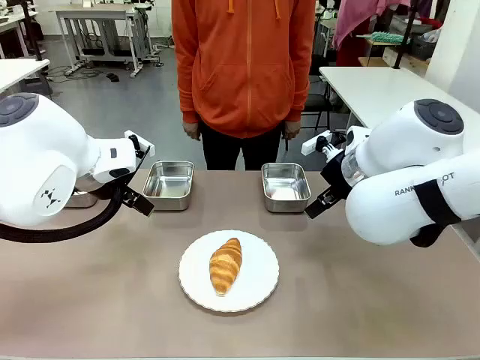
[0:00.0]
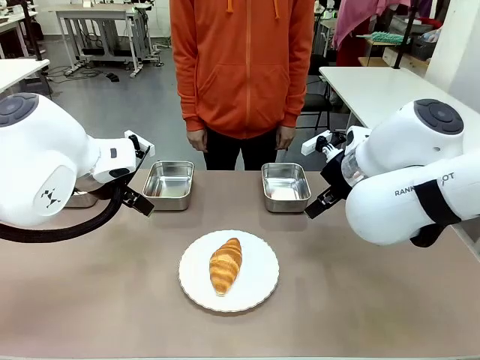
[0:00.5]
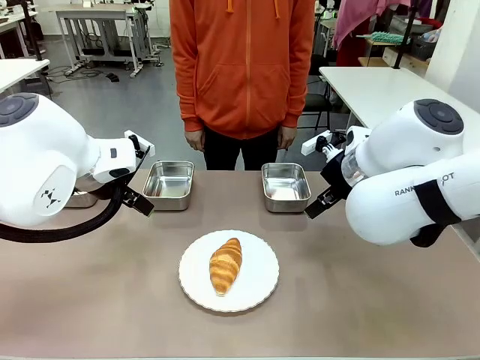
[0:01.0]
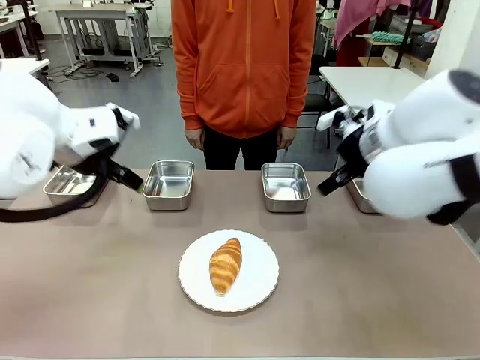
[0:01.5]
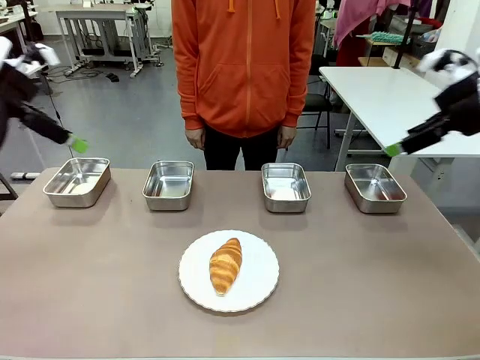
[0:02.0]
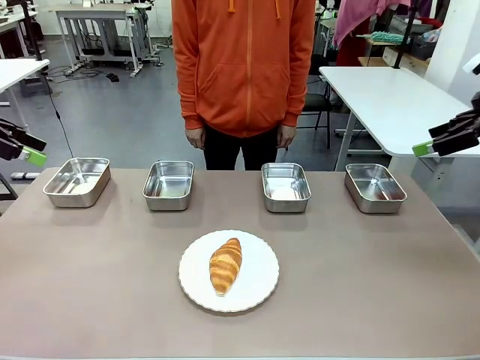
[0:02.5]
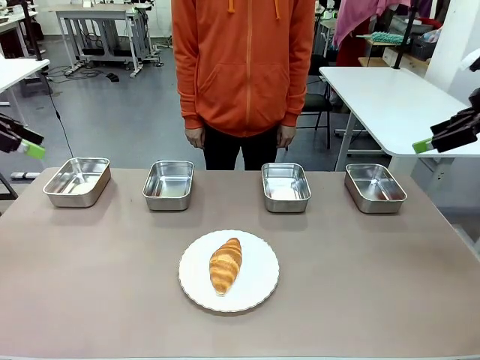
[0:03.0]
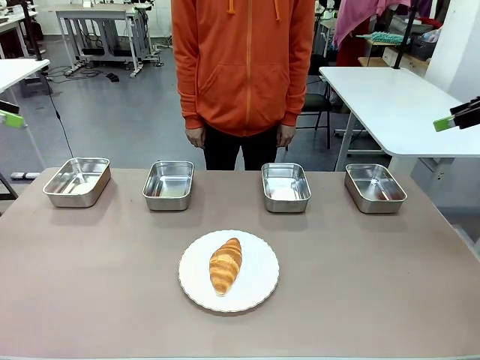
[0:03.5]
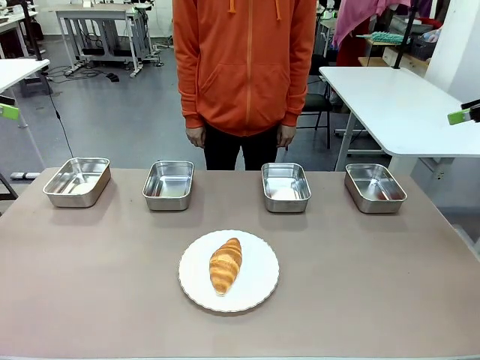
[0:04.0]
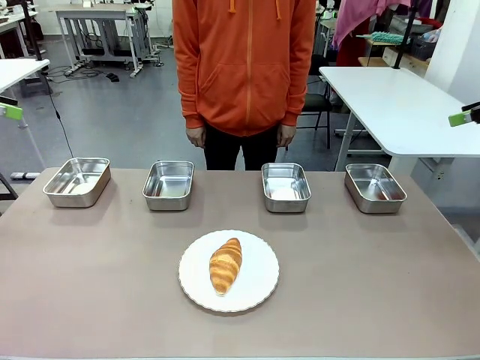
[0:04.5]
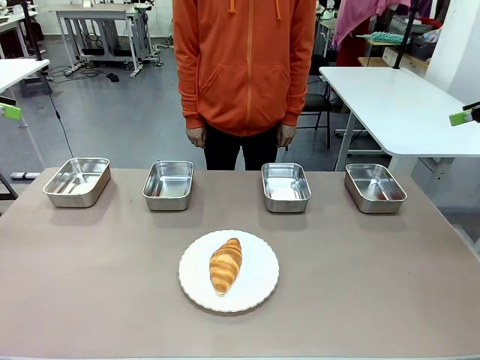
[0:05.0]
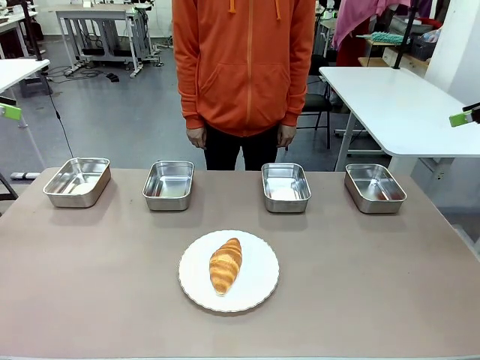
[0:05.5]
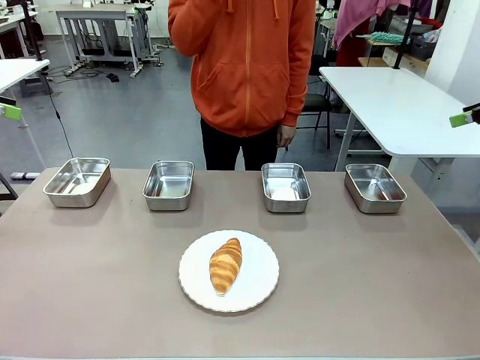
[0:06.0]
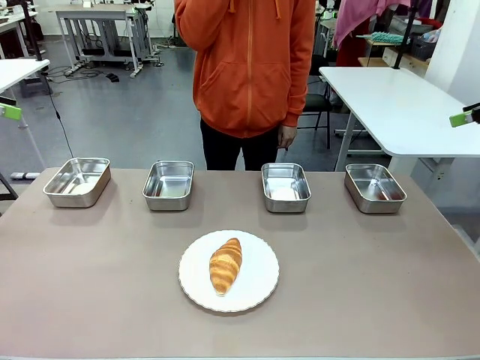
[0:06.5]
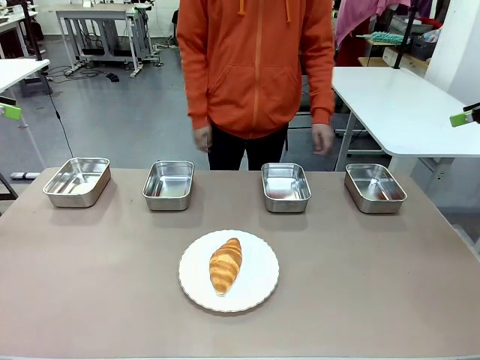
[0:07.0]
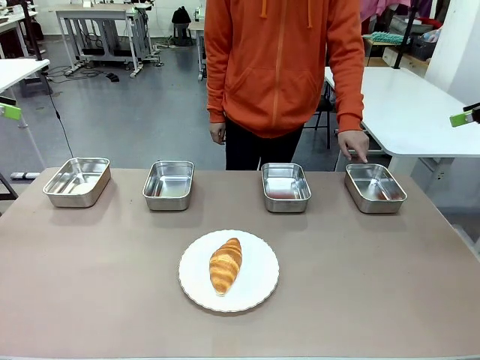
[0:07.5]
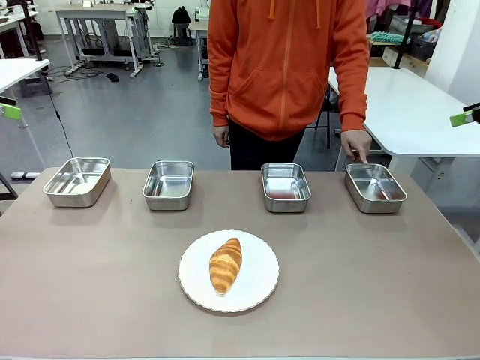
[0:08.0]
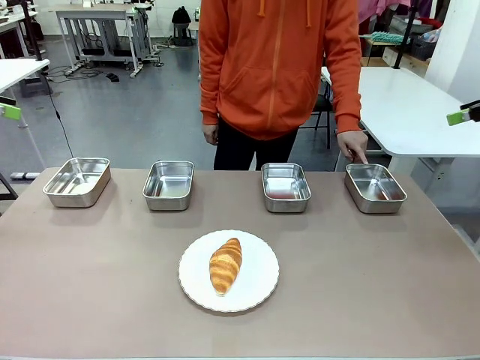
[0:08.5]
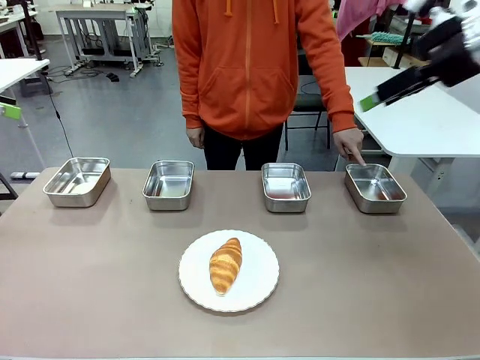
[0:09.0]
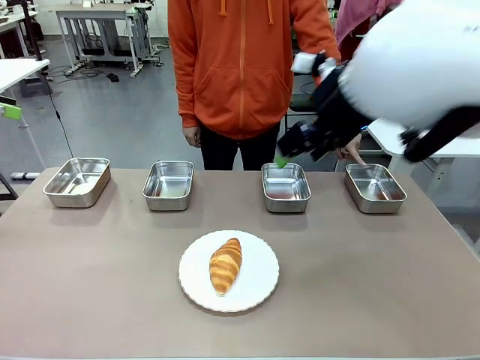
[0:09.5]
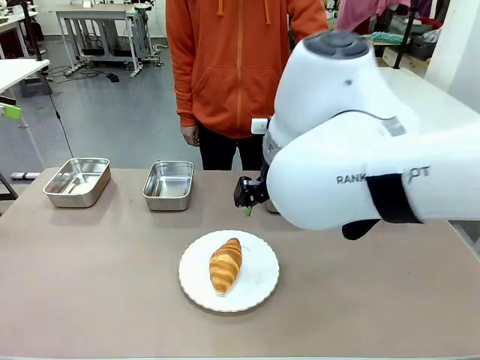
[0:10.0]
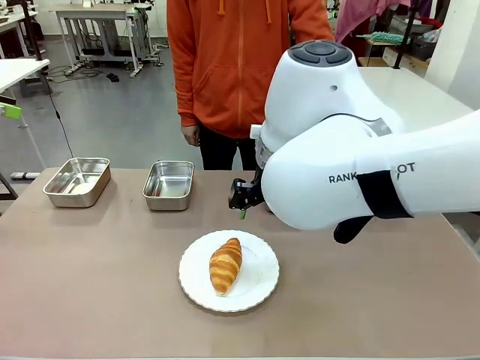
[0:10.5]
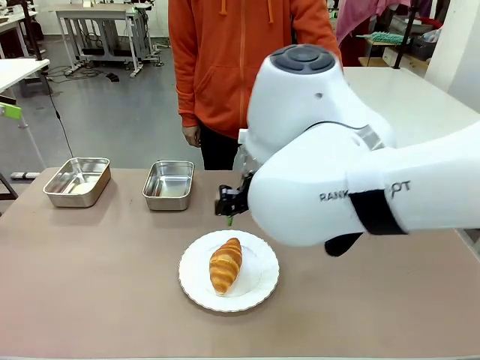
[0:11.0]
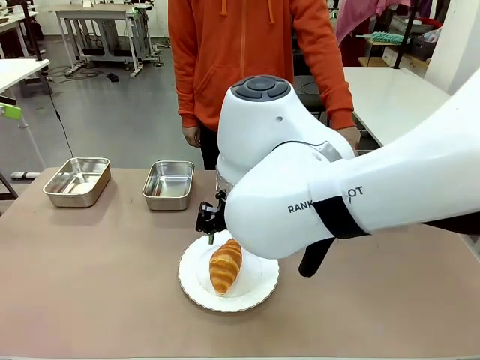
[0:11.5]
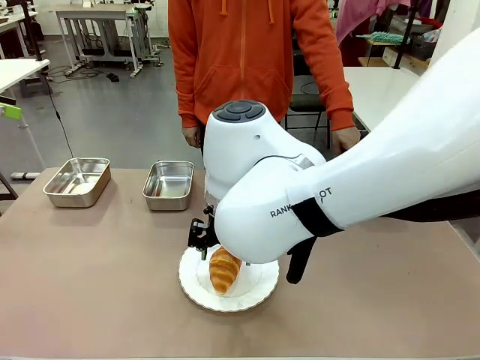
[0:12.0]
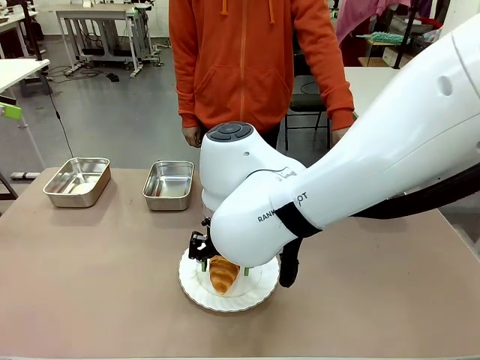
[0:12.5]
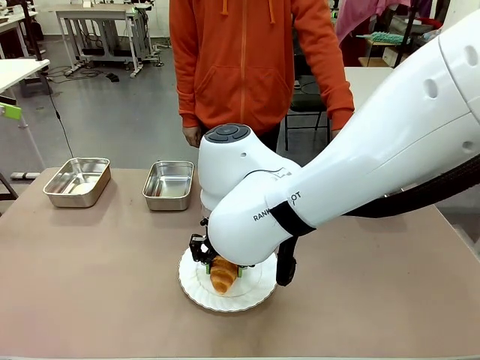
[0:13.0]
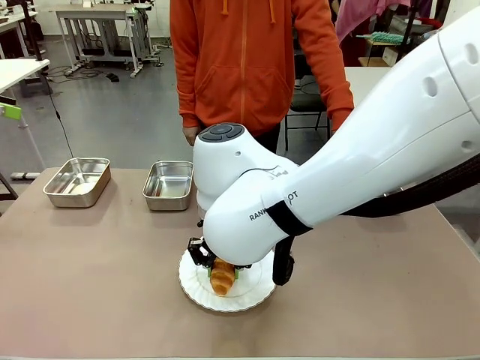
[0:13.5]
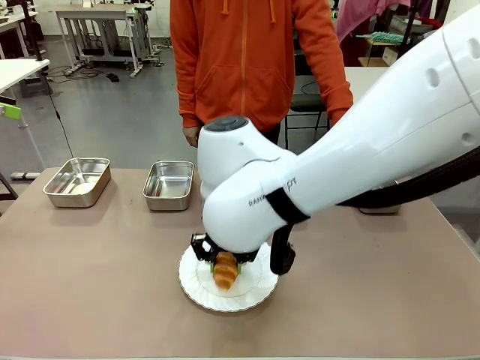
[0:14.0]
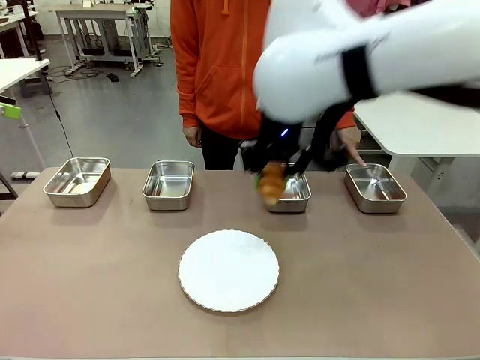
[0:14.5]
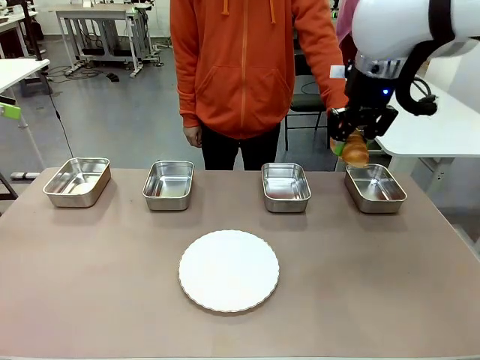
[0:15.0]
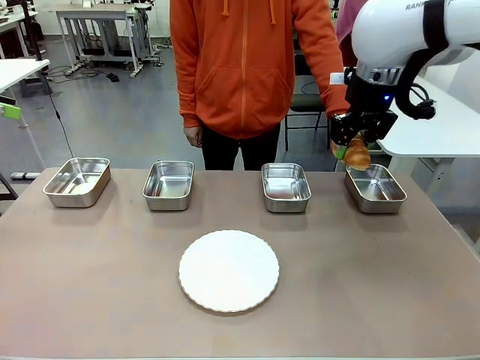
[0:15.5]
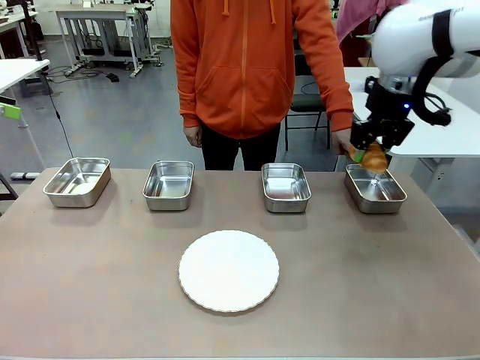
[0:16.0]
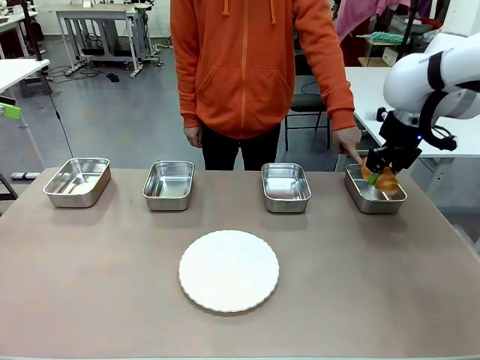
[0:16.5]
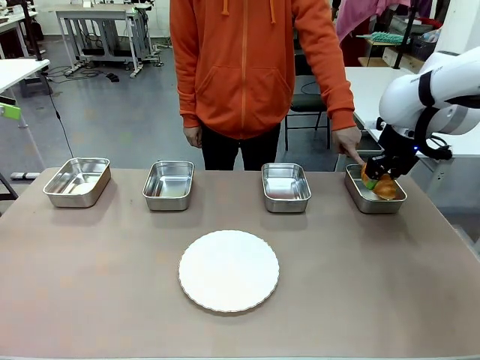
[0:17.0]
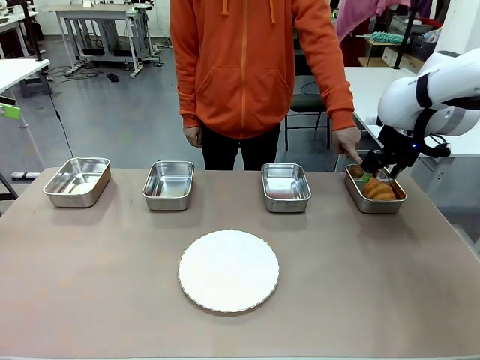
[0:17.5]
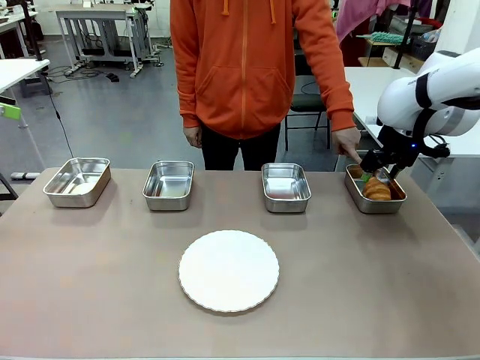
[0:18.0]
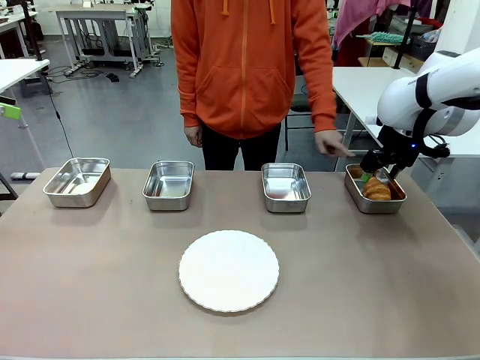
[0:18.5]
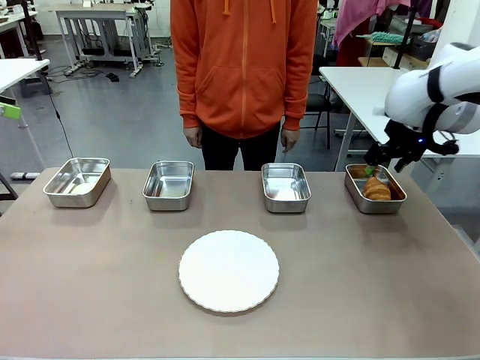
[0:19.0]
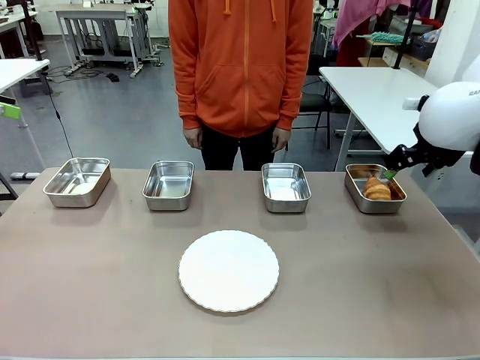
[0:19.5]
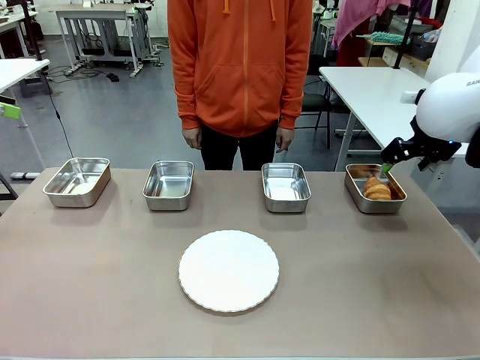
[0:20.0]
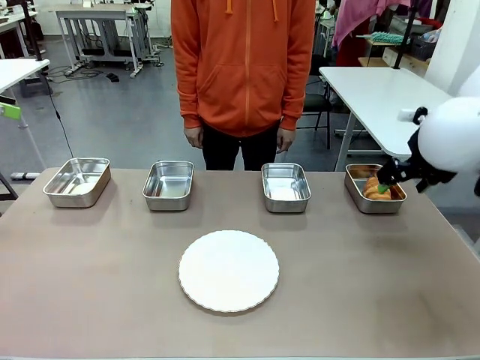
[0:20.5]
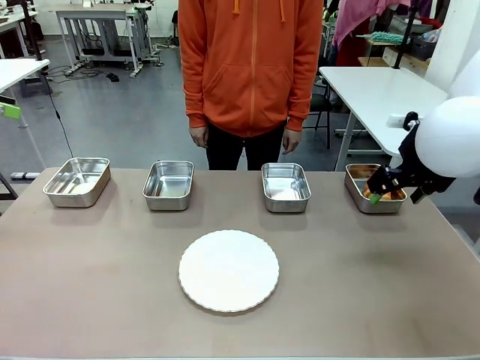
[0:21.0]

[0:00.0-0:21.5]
Task: Place the bread in the container.
Robot: Place the Butter Roll into the Airtight Container indicated by the human.
Person: A person randomly selects and points to an Airtight Container.

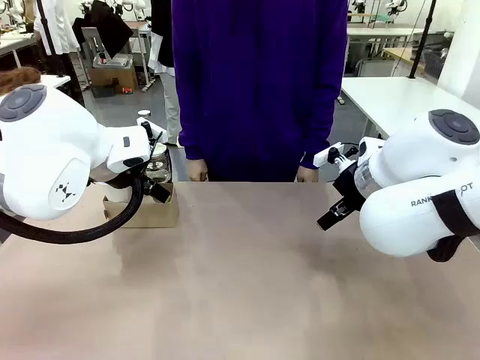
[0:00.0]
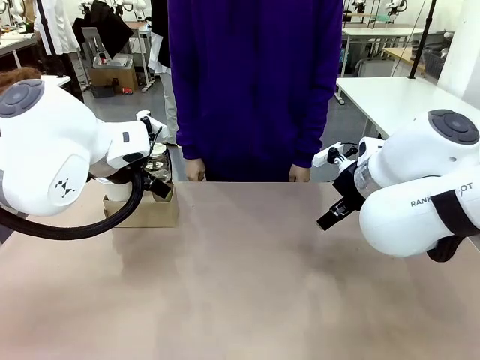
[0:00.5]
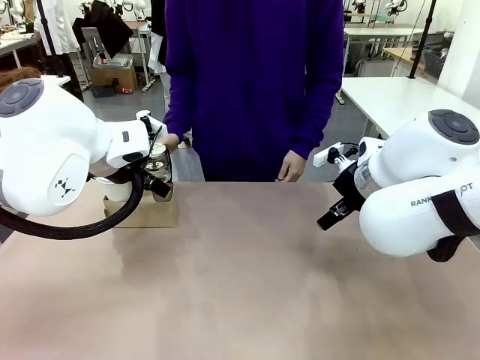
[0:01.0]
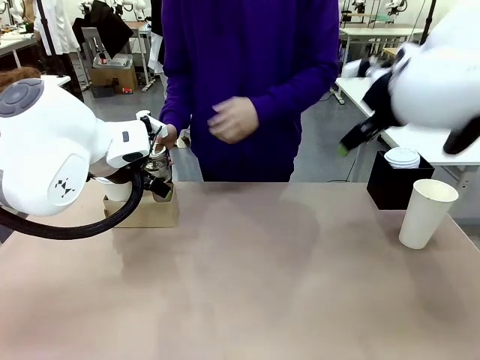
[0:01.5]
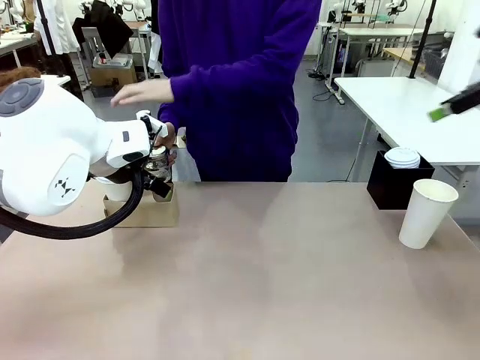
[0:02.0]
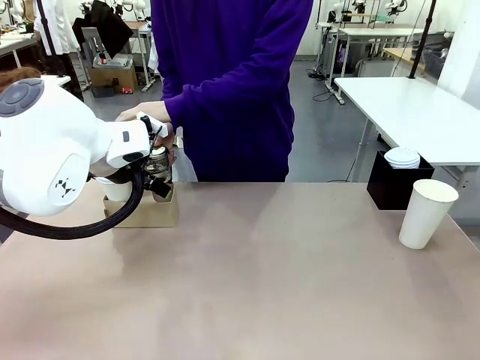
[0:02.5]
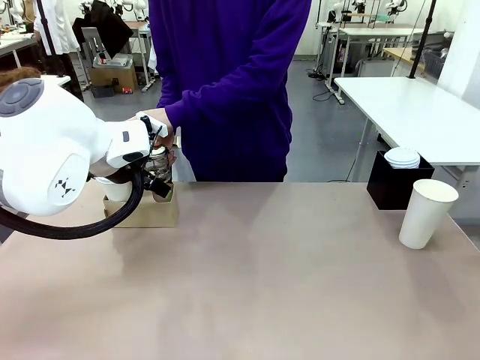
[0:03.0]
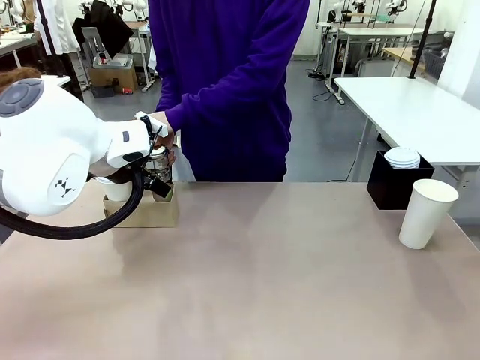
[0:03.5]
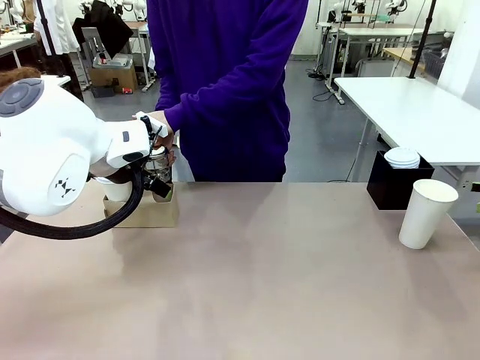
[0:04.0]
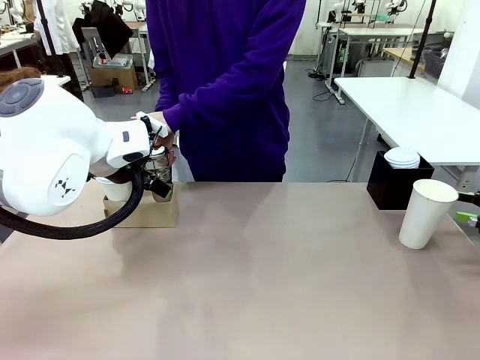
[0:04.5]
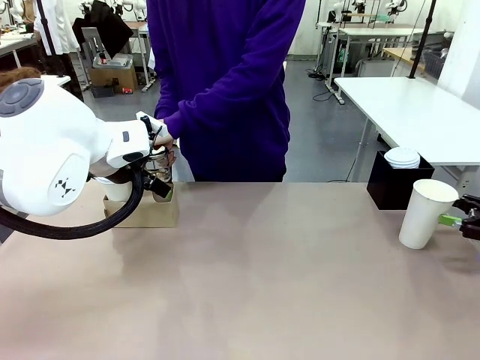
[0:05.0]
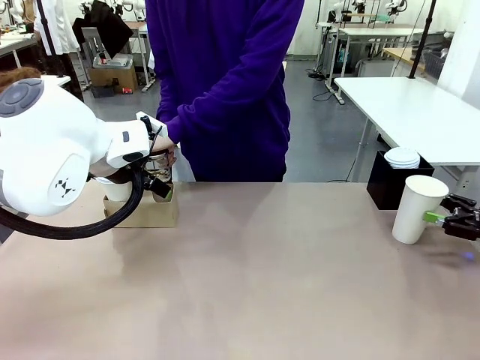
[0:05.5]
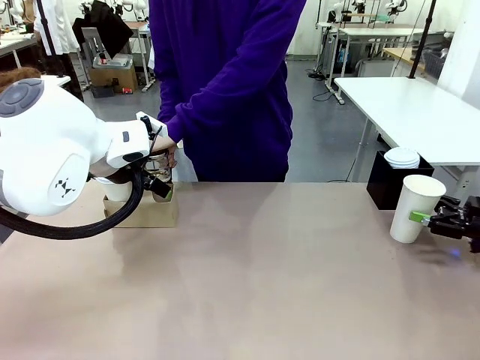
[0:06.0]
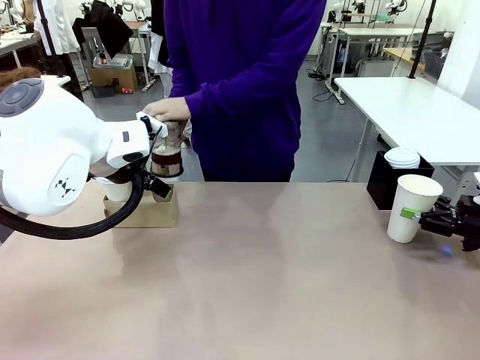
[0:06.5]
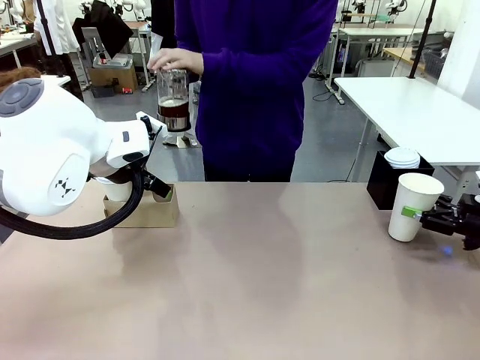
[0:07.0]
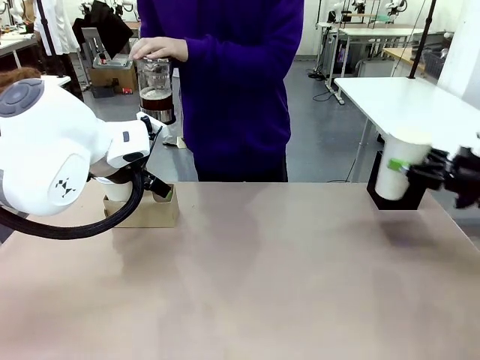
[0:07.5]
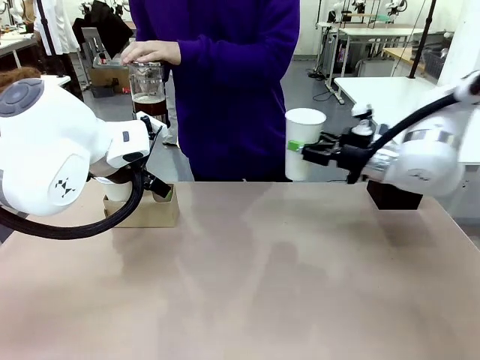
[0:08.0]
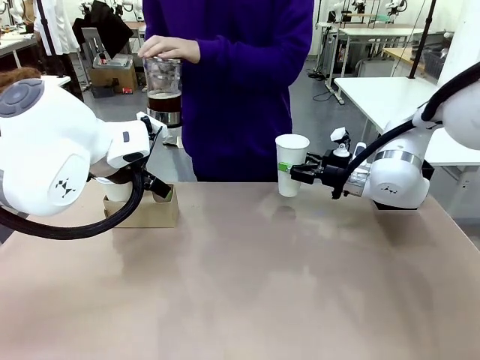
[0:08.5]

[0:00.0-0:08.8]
Task: Pour a drink into a cup and package it in a carrier.
Robot: Pick up the 600 ml Paper Cup and place it in the middle top area of the table.
Person: Press and pick up the Filter Brewing.
